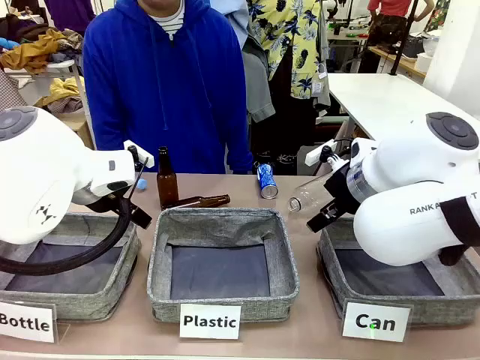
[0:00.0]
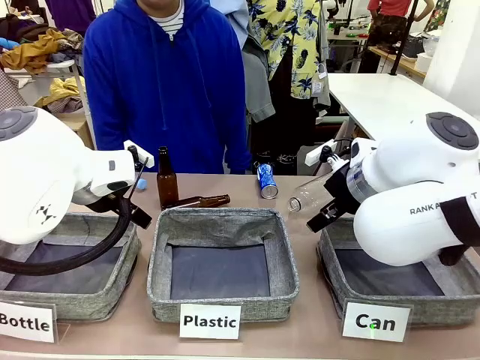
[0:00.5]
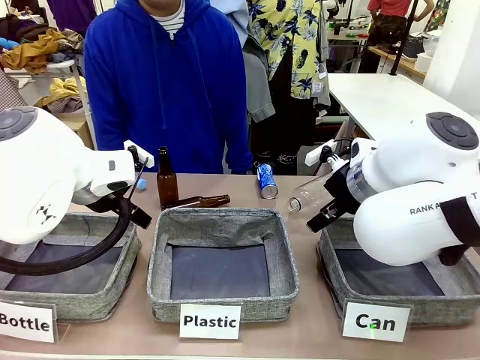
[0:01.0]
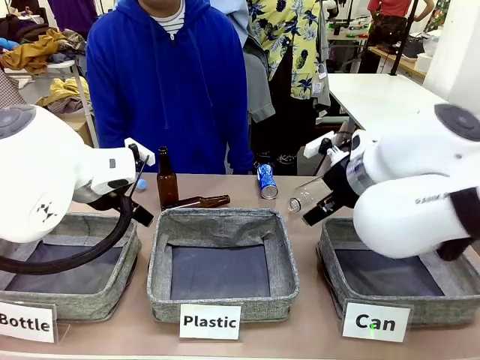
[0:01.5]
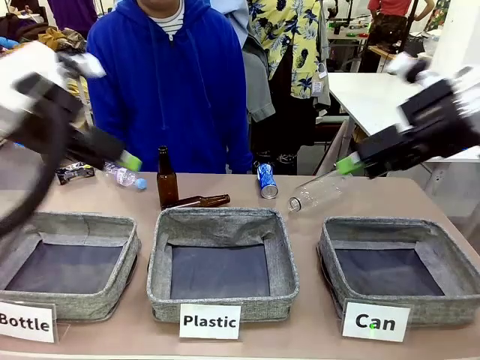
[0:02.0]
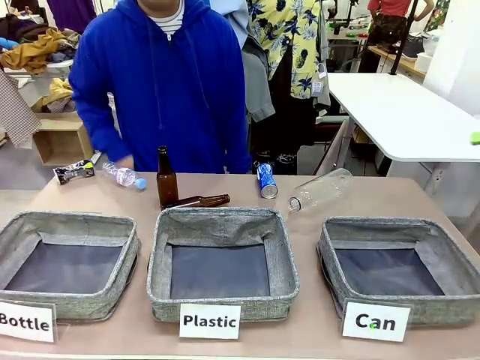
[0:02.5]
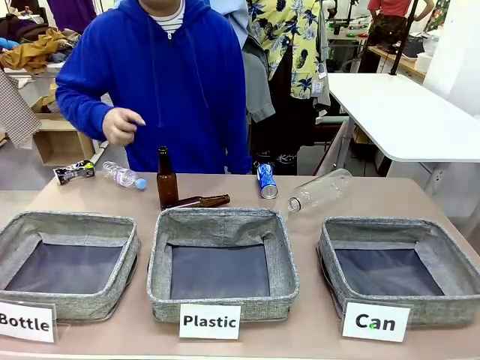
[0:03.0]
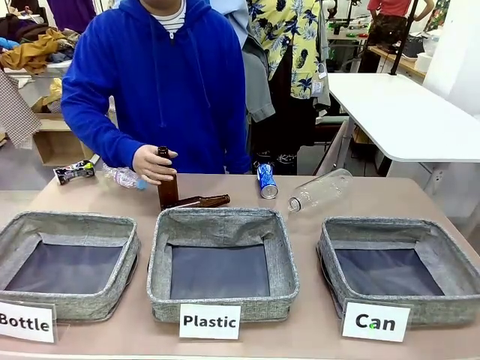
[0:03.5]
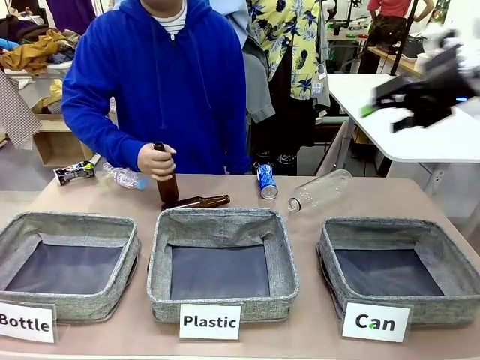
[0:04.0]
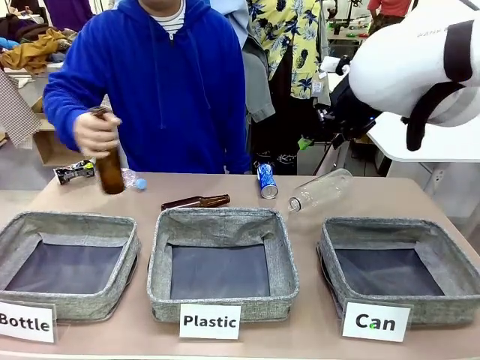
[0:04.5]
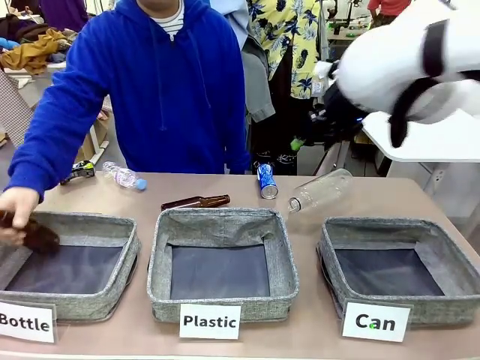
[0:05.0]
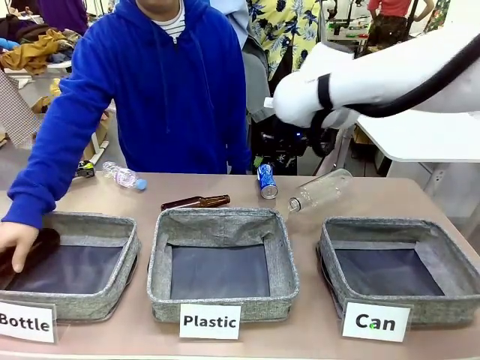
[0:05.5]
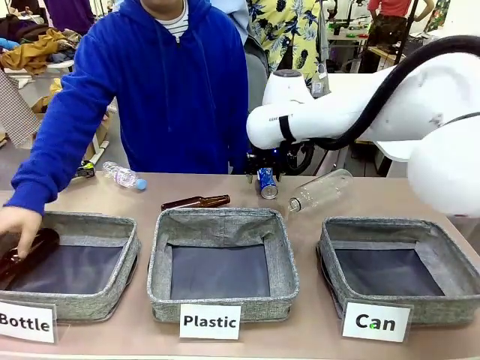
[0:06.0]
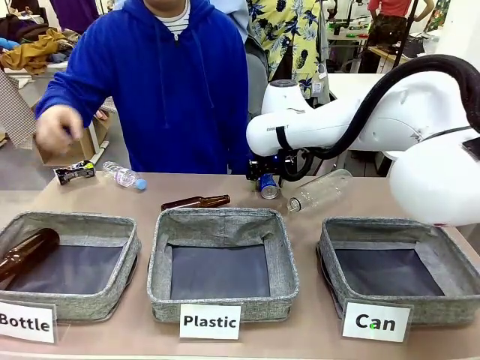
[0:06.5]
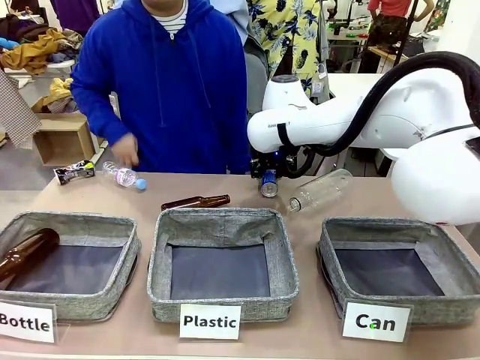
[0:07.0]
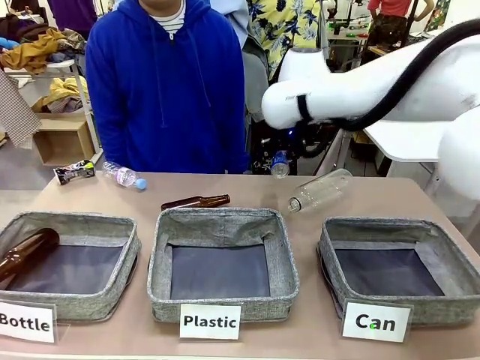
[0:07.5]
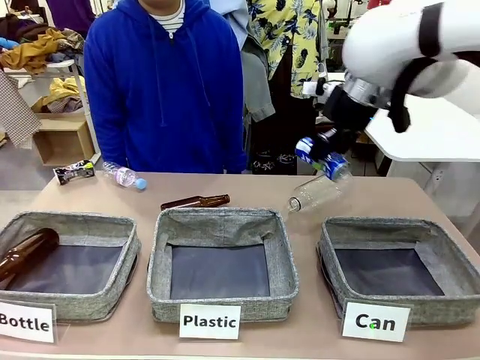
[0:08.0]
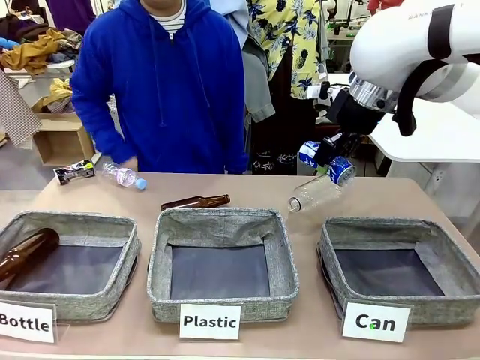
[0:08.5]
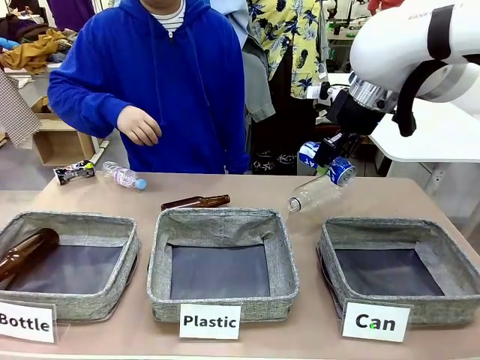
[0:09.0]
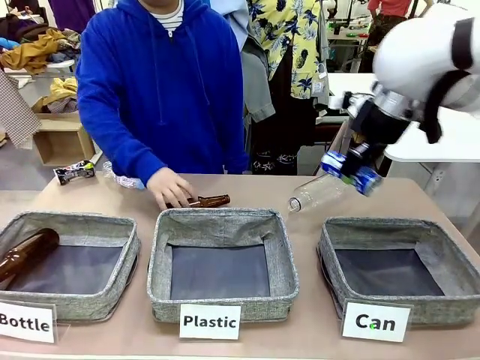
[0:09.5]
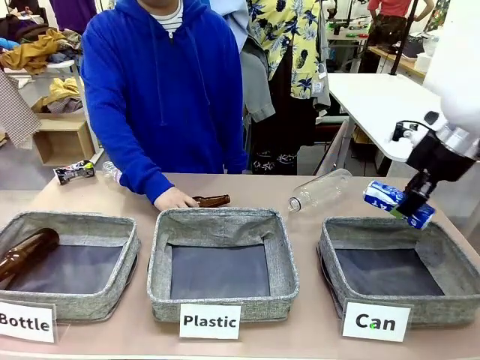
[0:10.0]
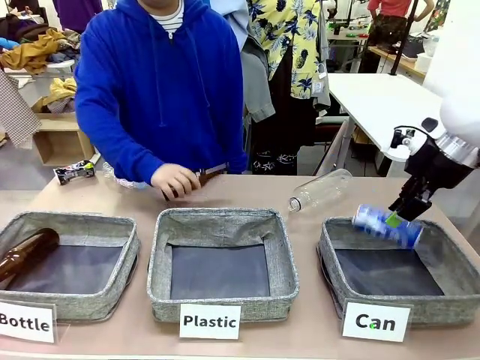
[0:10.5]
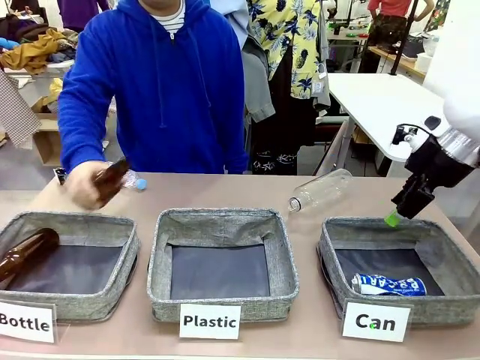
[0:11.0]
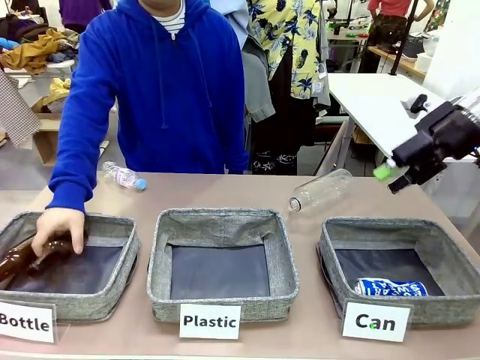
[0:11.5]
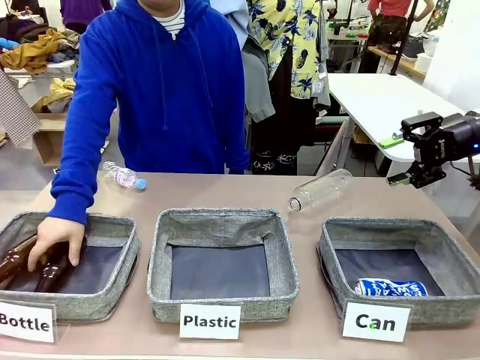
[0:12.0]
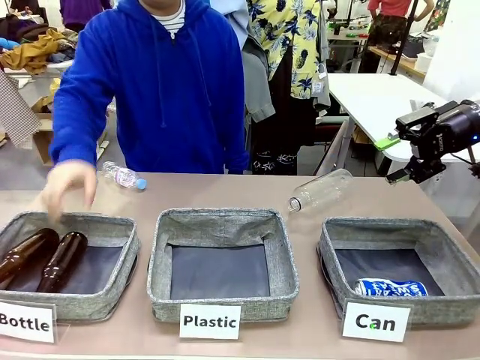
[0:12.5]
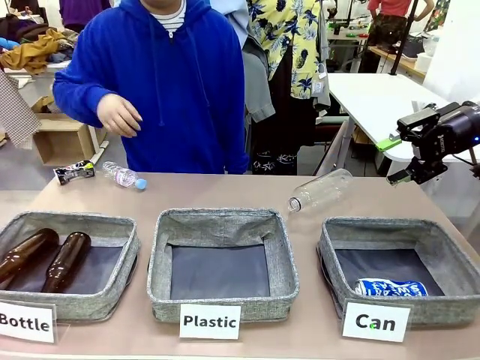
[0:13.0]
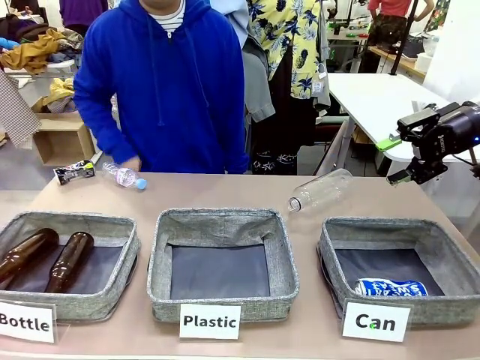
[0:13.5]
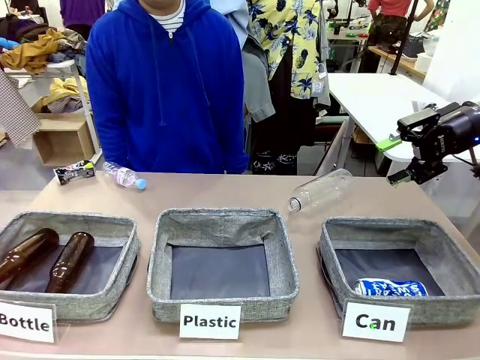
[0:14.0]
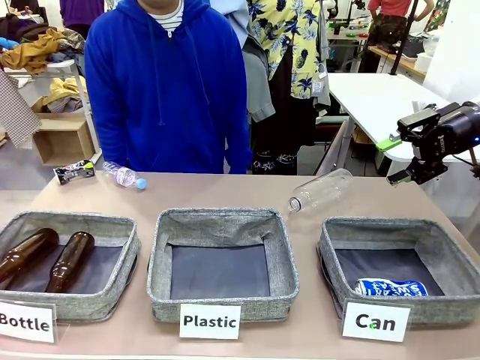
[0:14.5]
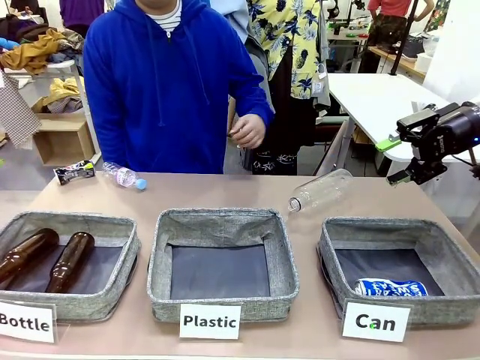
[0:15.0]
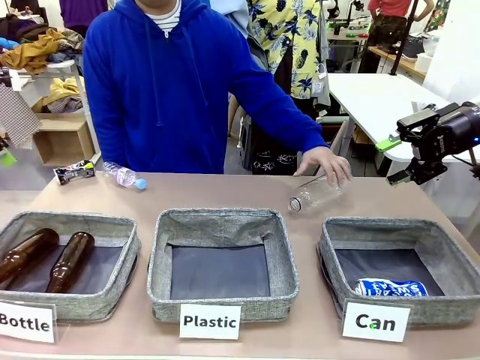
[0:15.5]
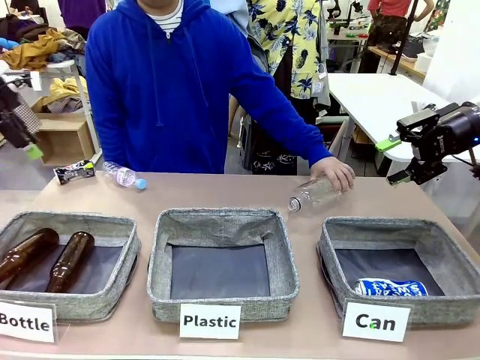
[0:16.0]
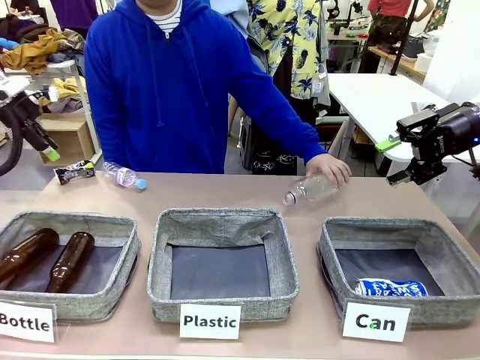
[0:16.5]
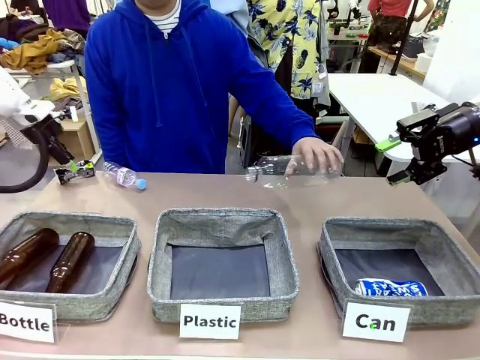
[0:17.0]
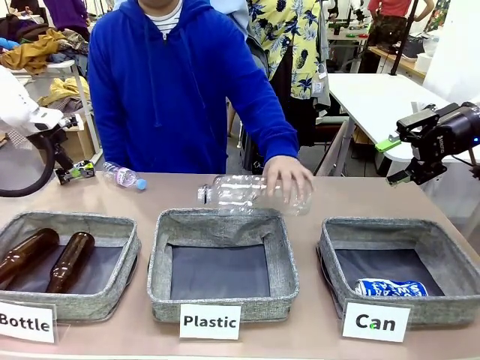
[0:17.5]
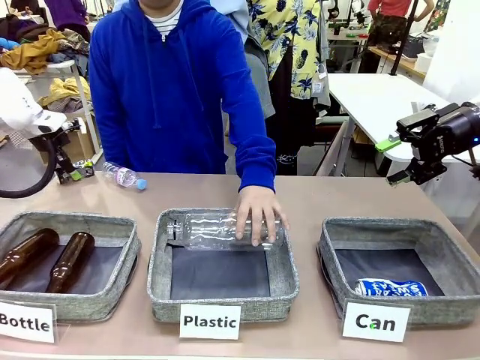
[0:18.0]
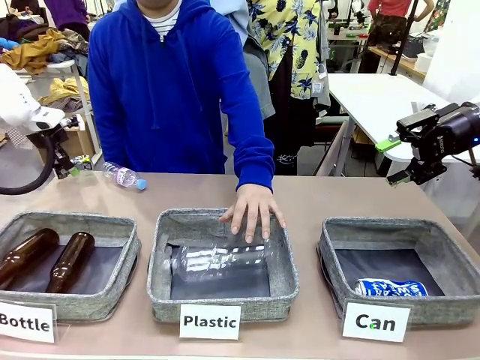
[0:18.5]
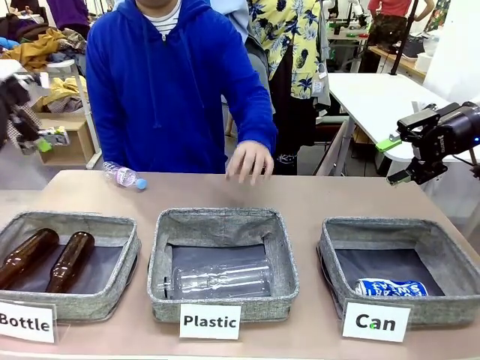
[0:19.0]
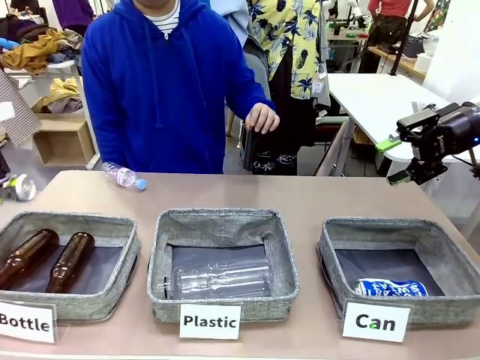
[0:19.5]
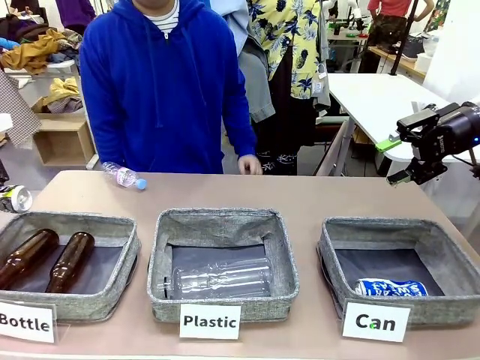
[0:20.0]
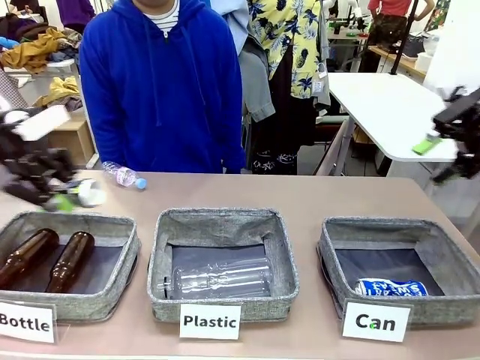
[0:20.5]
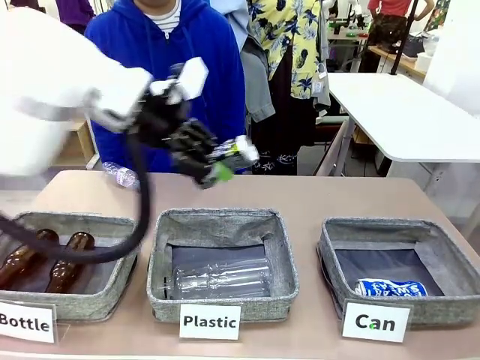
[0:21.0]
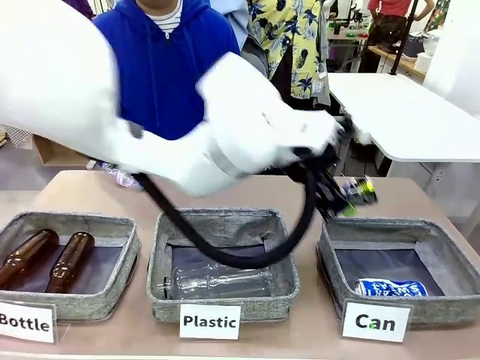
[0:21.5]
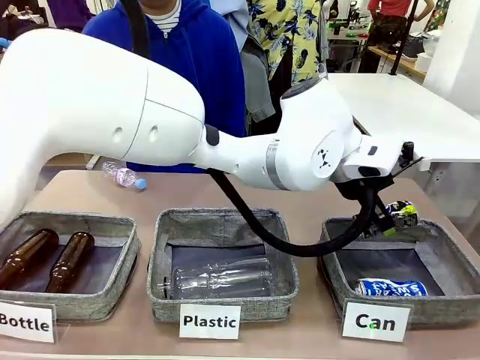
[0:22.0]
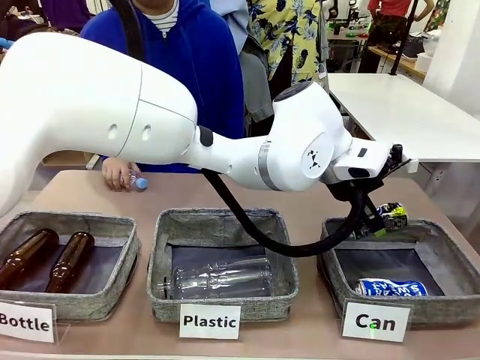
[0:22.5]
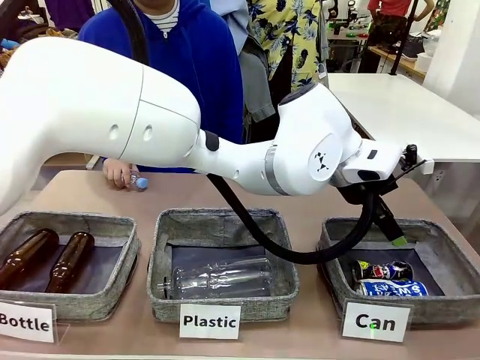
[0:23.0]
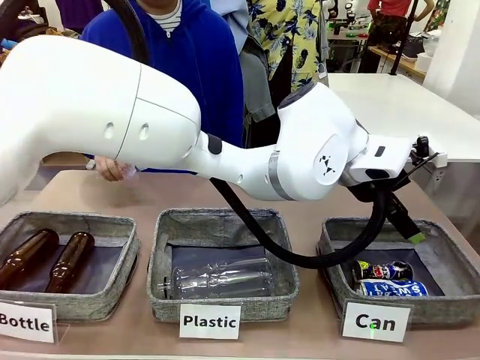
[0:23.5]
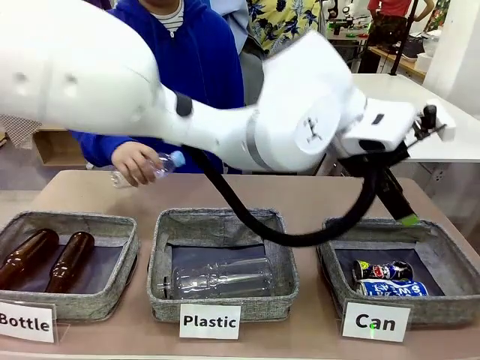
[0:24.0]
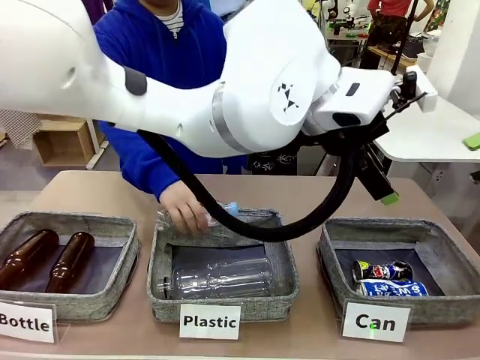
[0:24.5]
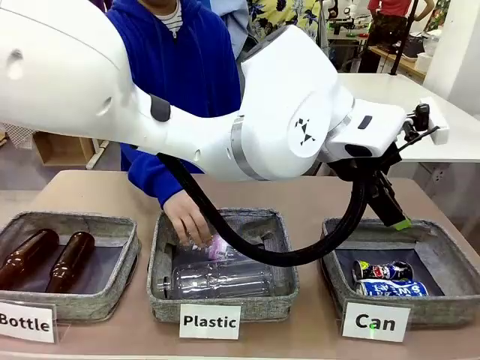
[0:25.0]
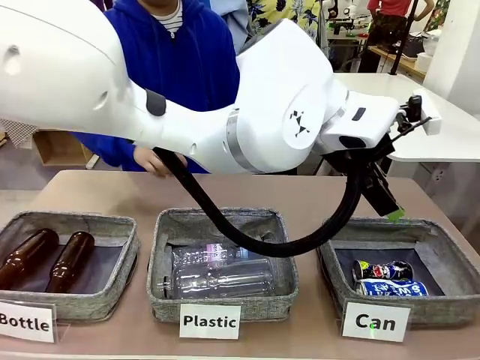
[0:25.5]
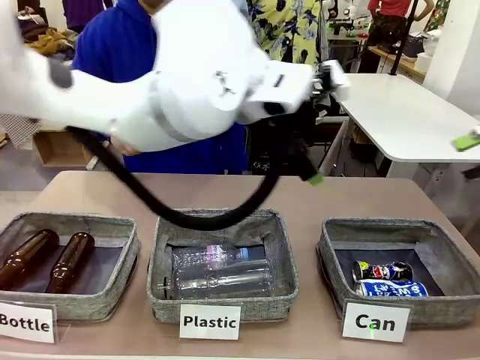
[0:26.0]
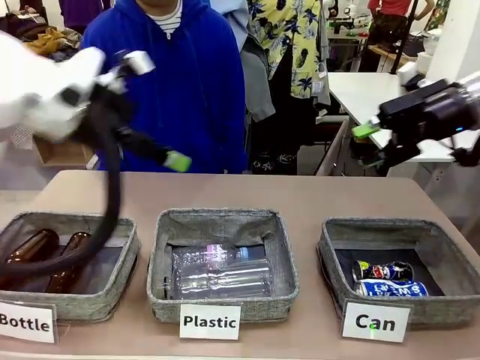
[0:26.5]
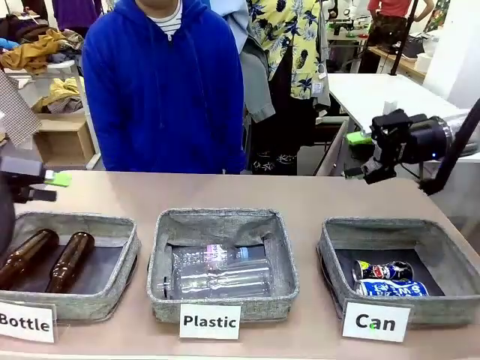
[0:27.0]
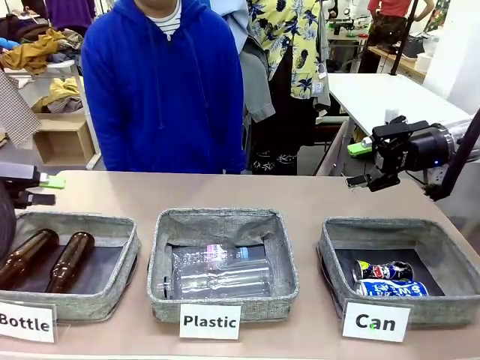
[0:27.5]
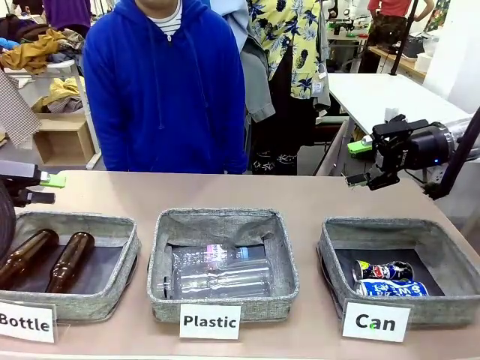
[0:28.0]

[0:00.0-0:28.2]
Task: Sort the can waste into the basket.
Robot: Pick up the can waste from the table and place it in the right Fabric basket.
Person: The human picks up one piece of trash that is not a can and places the trash into the appropriate organizing basket.
